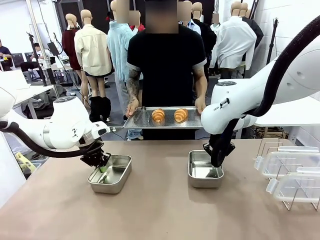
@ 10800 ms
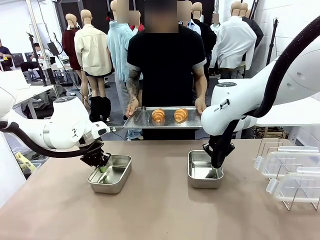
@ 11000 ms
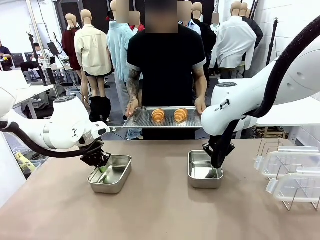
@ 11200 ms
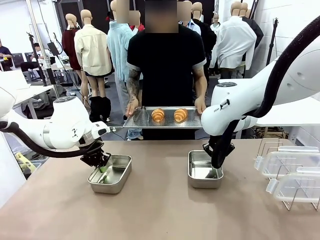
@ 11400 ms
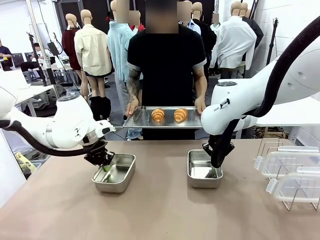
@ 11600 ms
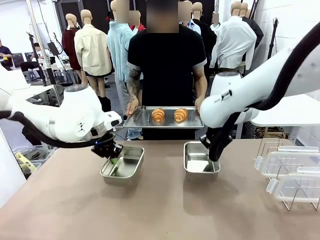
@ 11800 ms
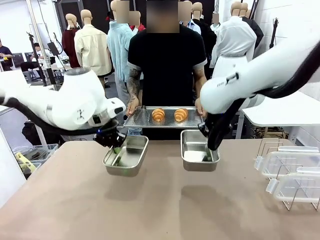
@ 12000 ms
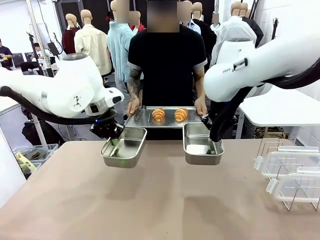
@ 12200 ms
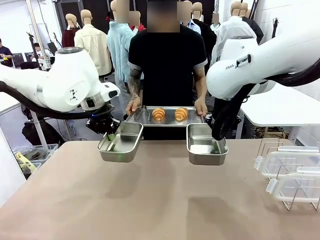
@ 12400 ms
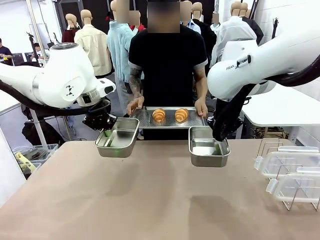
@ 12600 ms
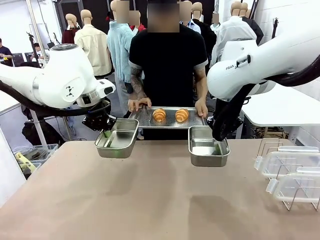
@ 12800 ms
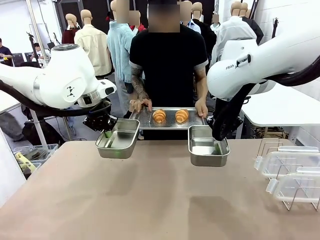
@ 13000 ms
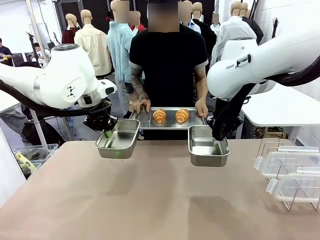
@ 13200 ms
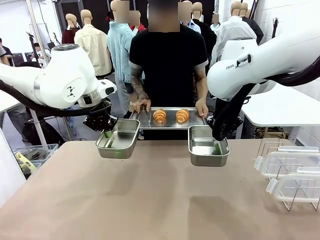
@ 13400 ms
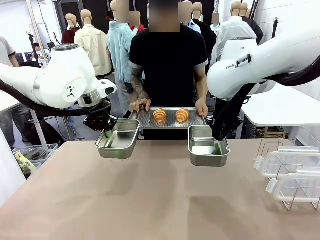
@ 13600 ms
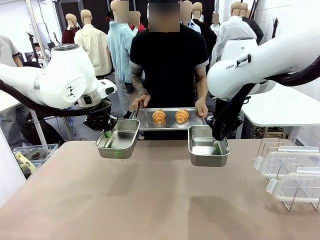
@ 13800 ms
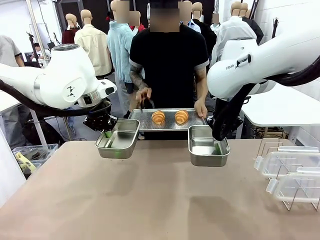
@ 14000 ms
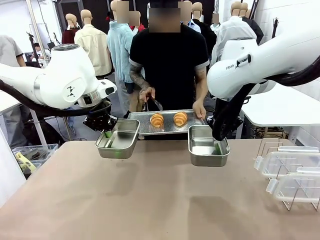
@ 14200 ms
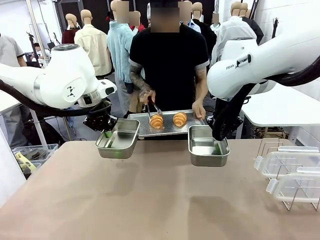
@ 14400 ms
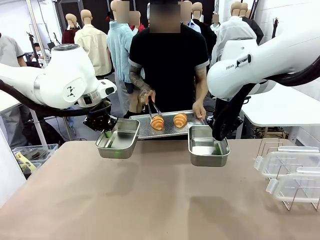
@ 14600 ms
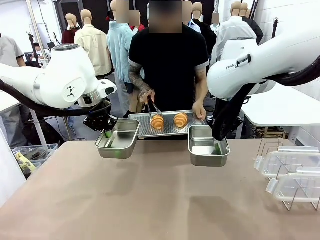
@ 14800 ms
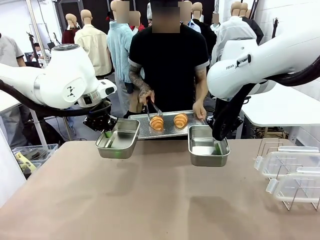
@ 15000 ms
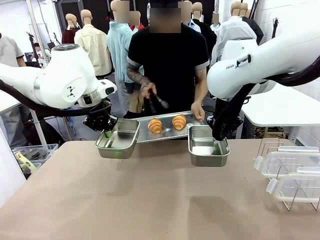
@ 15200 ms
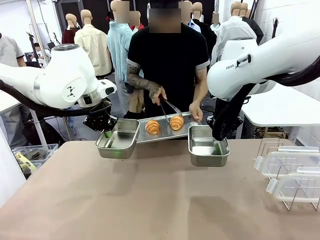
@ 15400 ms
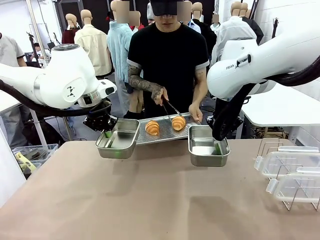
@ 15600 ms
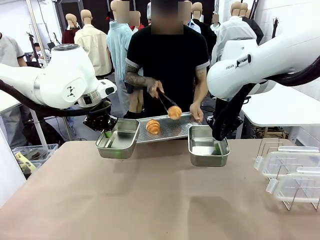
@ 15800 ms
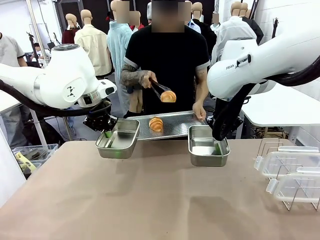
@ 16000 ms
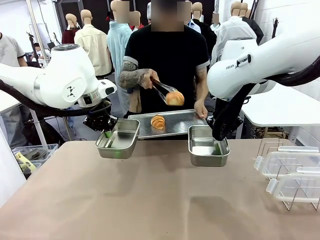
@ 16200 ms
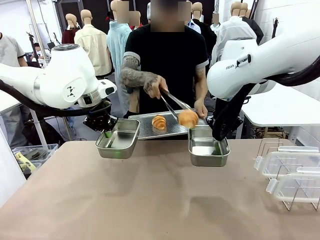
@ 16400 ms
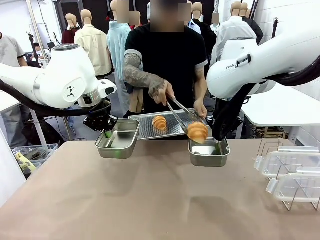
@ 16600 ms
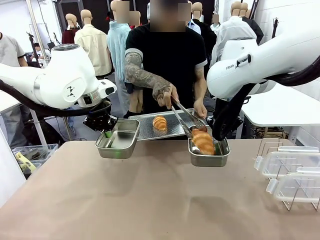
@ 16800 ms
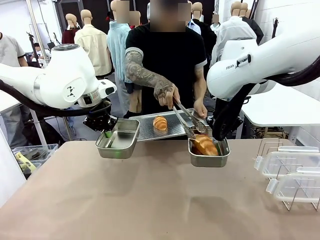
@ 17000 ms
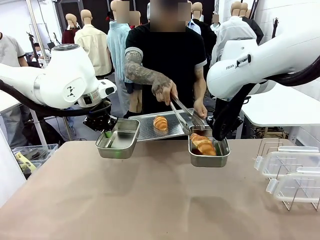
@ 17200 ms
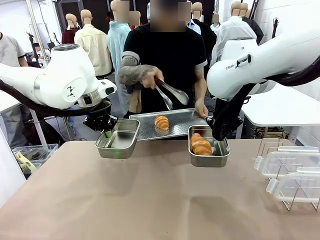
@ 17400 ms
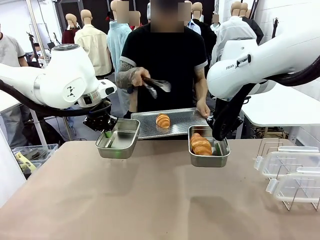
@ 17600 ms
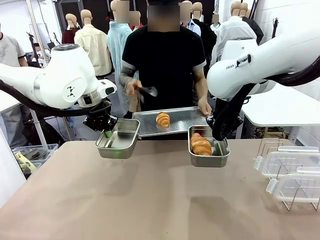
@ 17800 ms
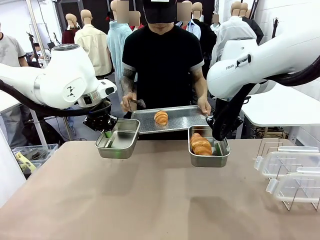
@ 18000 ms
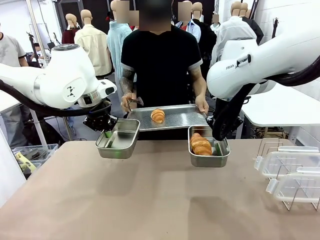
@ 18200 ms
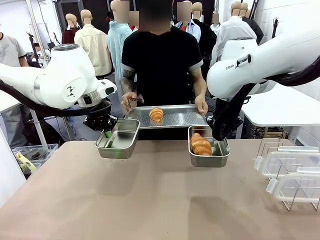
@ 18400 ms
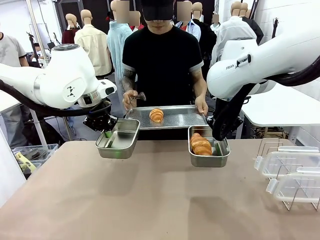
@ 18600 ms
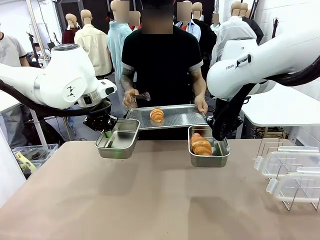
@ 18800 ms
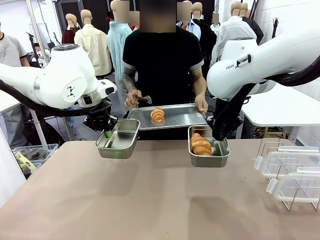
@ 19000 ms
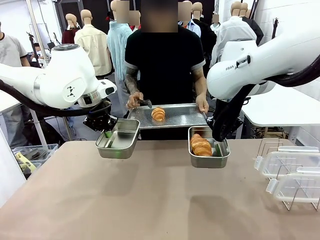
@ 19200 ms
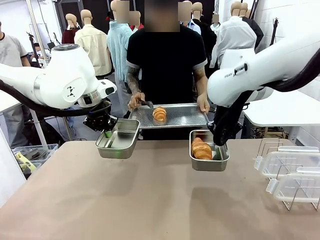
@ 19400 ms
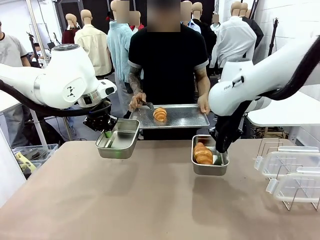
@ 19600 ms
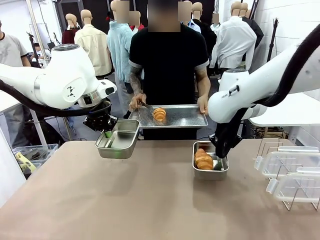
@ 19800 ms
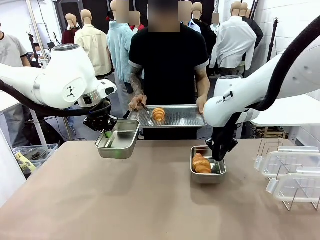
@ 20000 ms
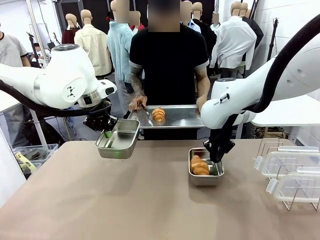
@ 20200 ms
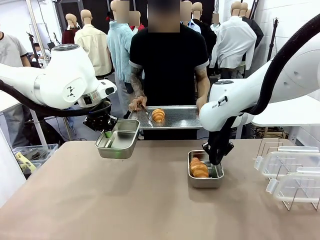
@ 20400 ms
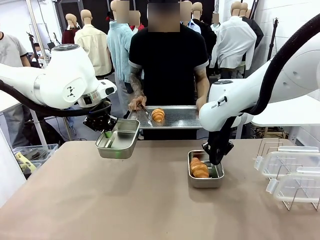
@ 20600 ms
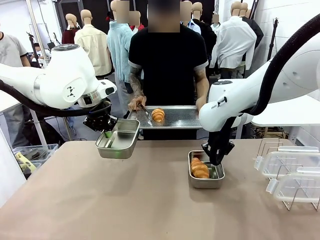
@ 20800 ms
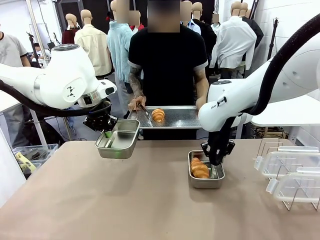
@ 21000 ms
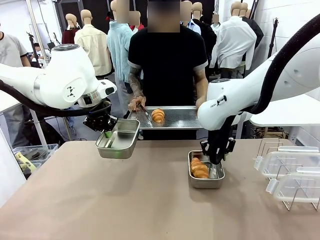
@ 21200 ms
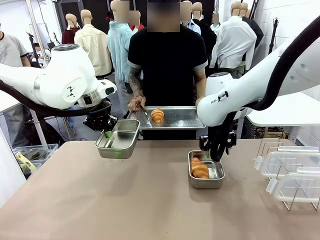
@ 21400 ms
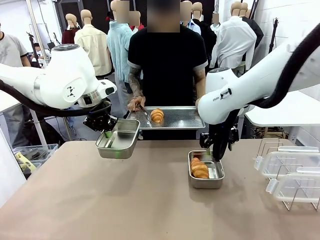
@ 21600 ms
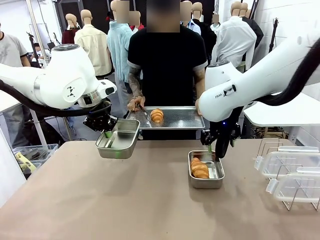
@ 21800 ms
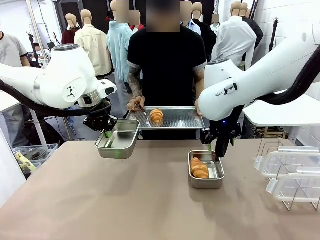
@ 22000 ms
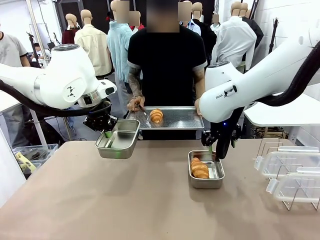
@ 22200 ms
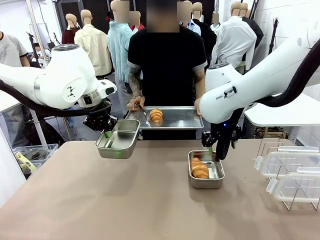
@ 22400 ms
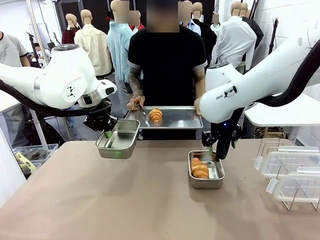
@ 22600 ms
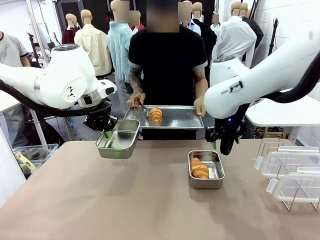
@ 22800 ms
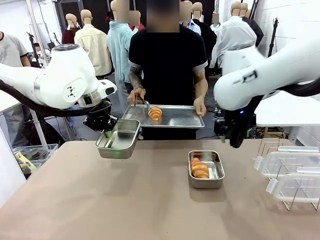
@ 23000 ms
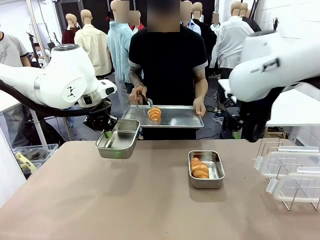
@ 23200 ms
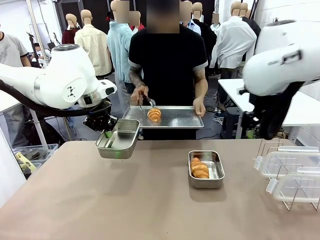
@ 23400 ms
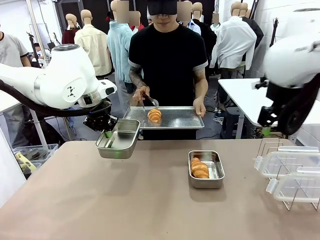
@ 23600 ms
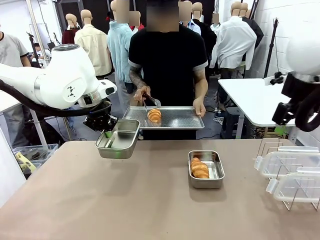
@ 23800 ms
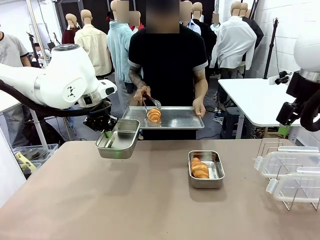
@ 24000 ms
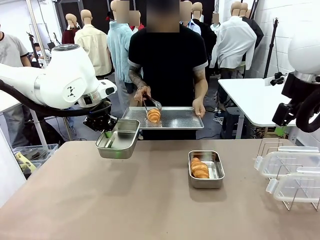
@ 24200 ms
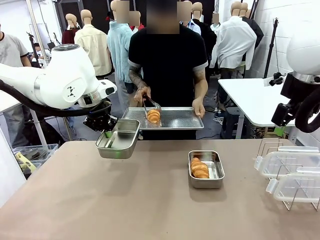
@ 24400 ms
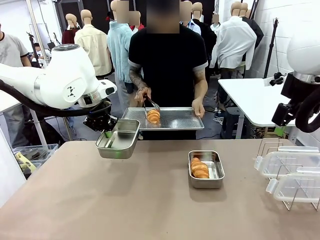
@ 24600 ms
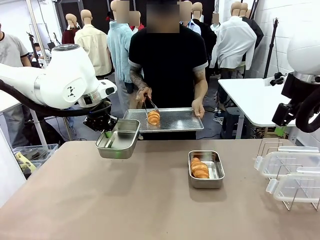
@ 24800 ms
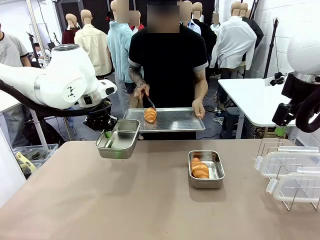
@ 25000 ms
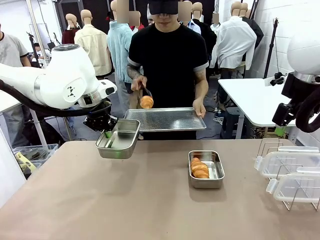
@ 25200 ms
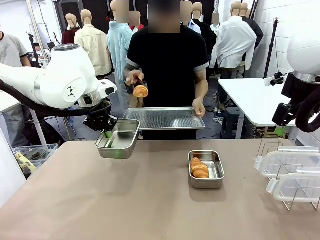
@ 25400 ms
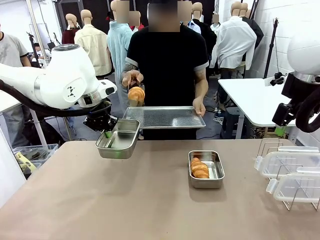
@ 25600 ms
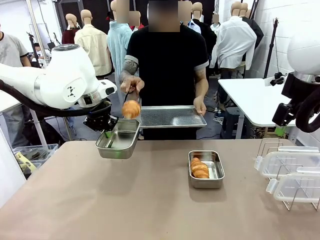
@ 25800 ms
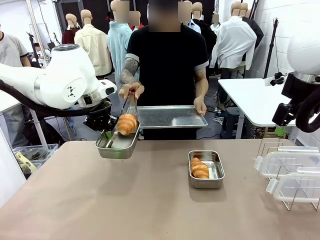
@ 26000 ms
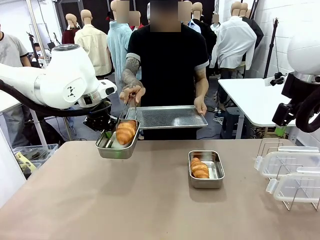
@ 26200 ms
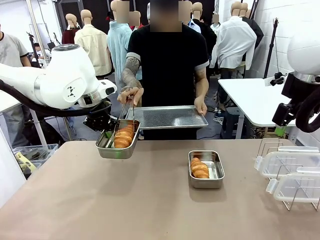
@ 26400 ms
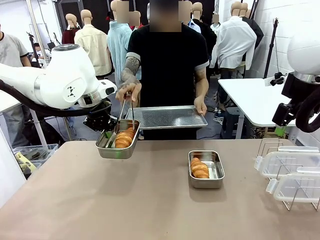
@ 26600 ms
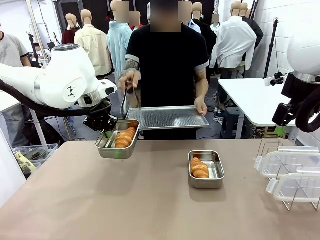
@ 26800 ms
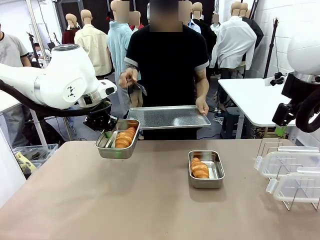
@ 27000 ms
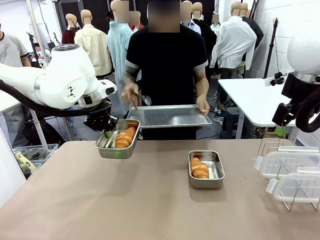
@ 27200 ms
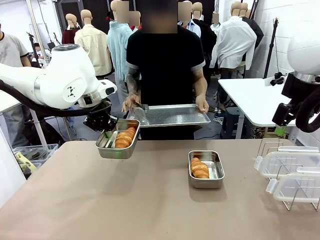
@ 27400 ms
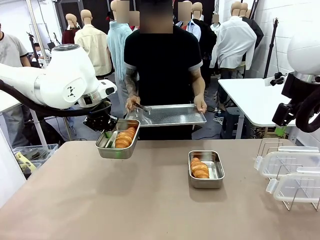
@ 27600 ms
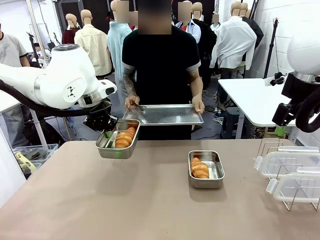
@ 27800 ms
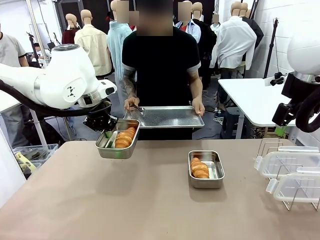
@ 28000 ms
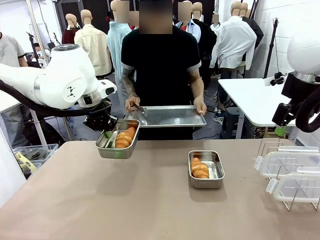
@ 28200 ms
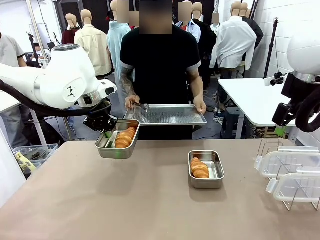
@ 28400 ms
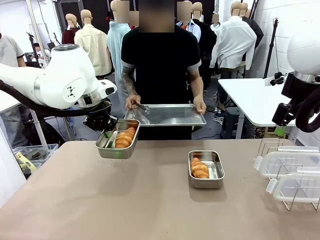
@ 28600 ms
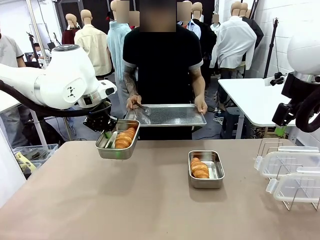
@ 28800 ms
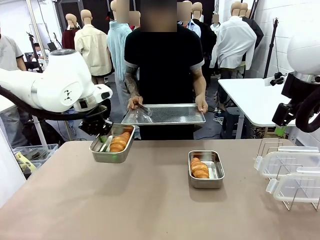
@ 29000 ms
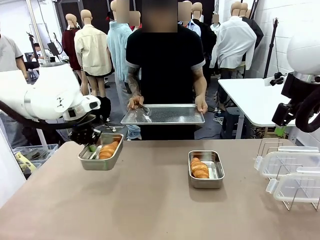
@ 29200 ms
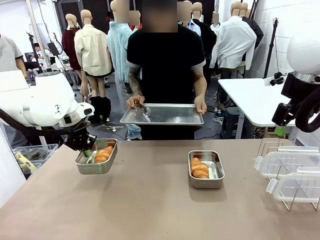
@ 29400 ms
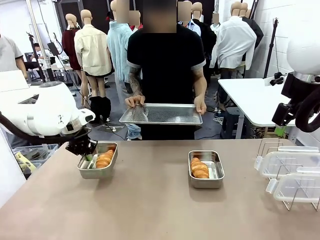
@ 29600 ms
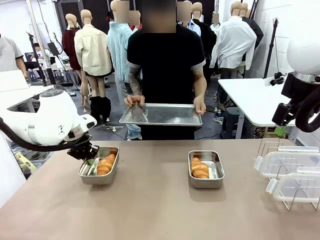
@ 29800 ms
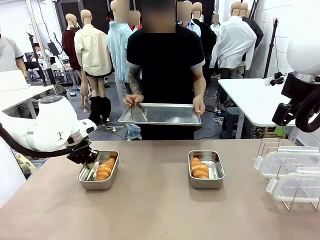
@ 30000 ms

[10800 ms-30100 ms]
Task: Place the bread in airtight containers.
Robot: Once an object is inside an Airtight Container , place the container in the center of the table.
Person: Use the Stainless steel tongs to place one object from Baking Sheet into one Airtight Container.
